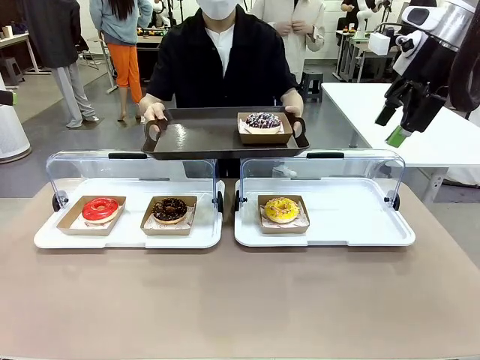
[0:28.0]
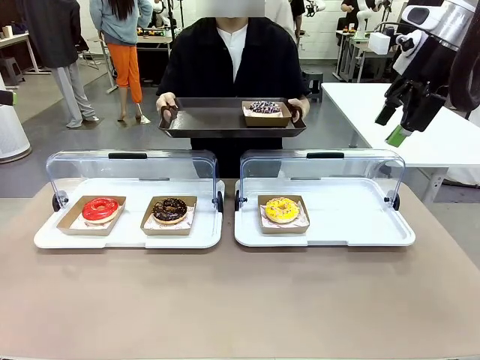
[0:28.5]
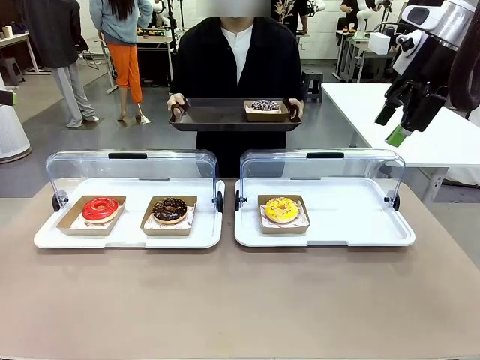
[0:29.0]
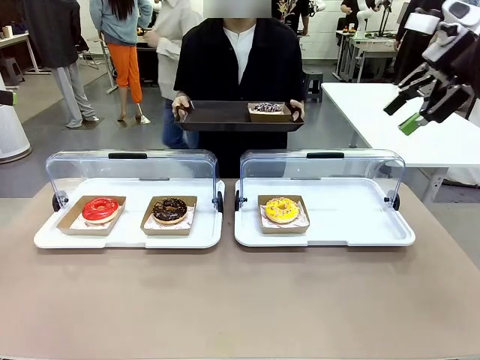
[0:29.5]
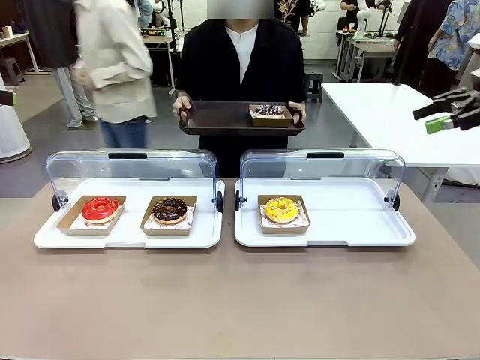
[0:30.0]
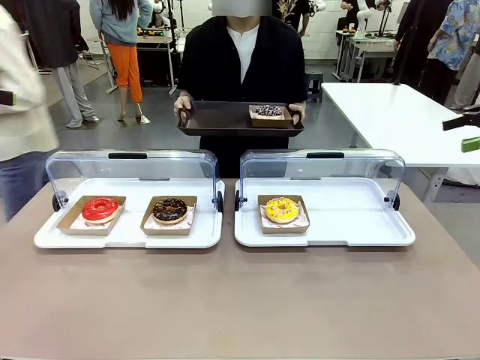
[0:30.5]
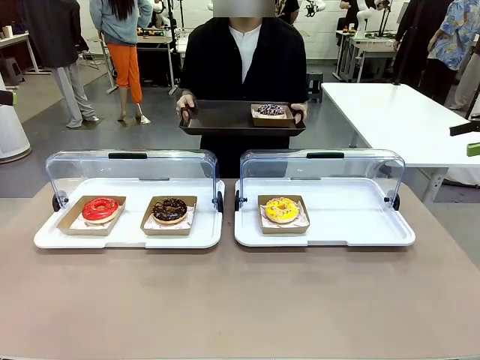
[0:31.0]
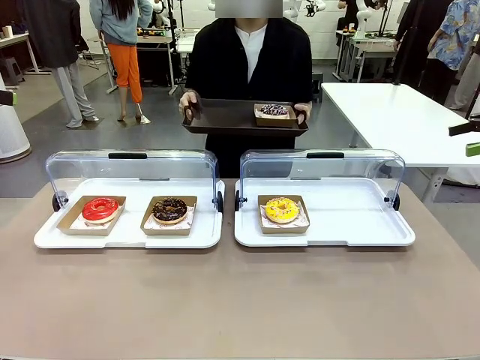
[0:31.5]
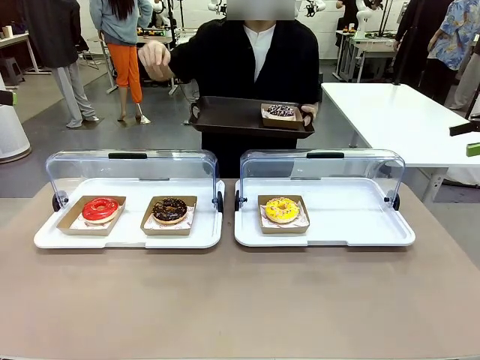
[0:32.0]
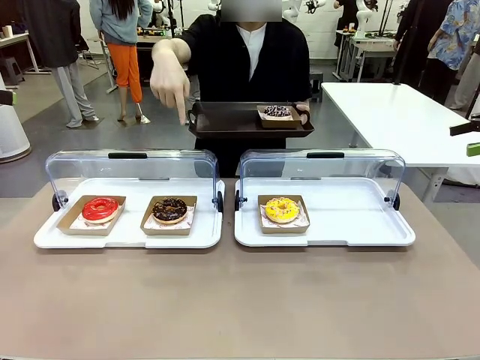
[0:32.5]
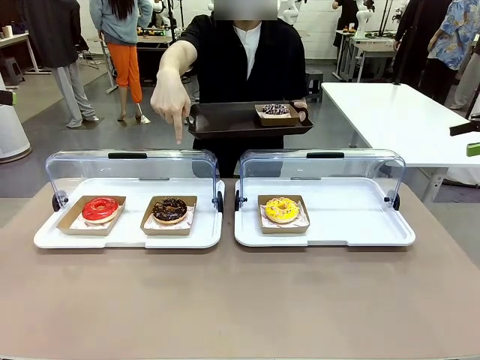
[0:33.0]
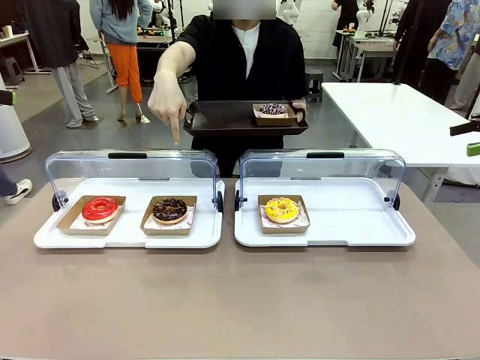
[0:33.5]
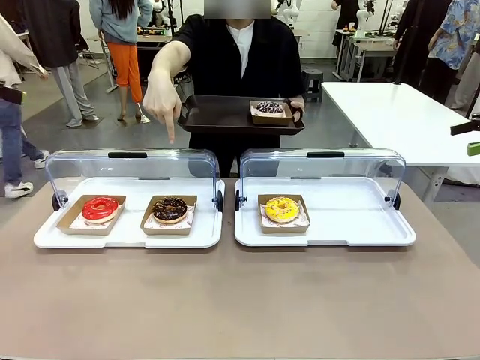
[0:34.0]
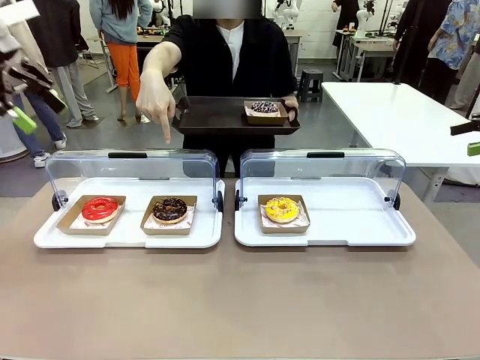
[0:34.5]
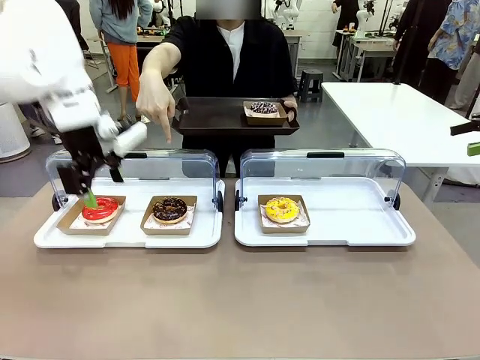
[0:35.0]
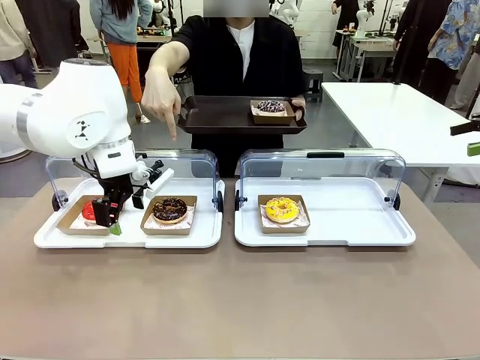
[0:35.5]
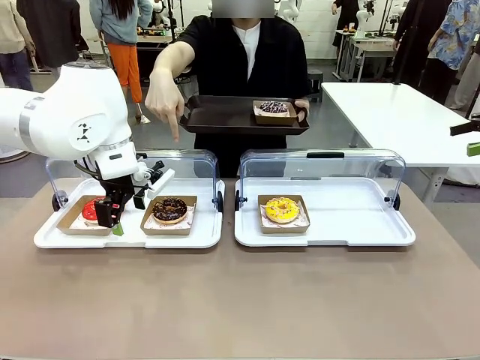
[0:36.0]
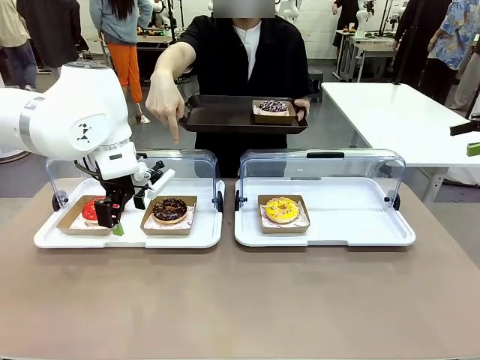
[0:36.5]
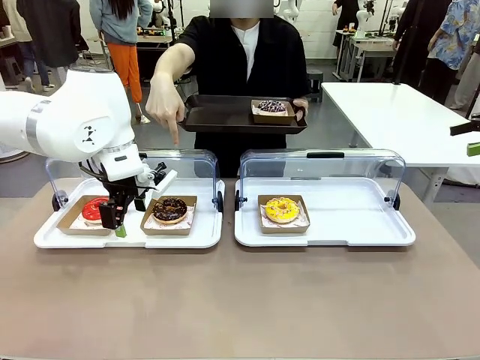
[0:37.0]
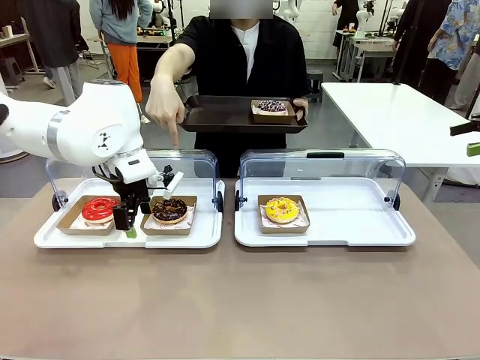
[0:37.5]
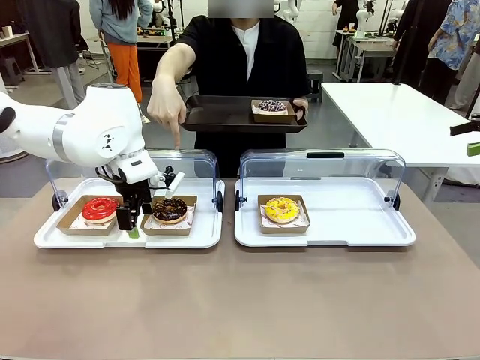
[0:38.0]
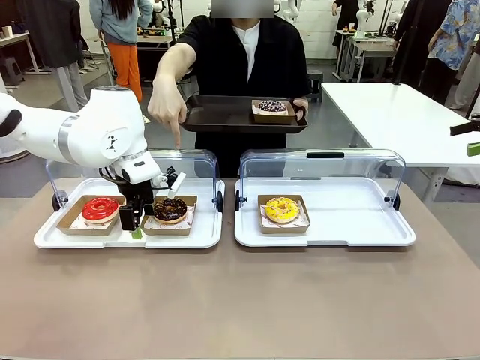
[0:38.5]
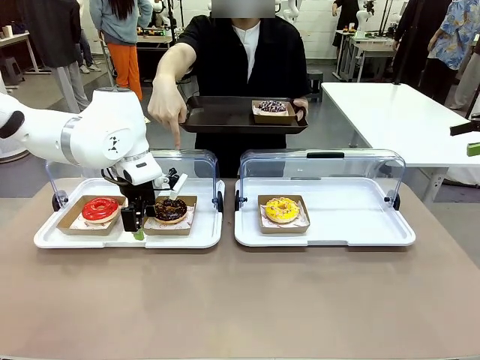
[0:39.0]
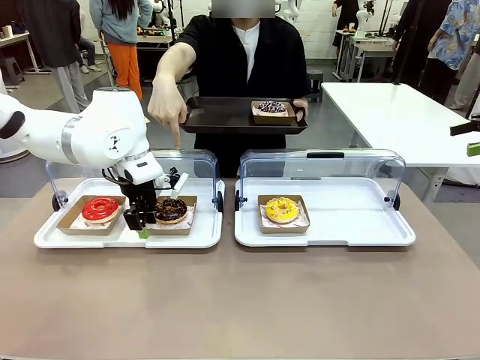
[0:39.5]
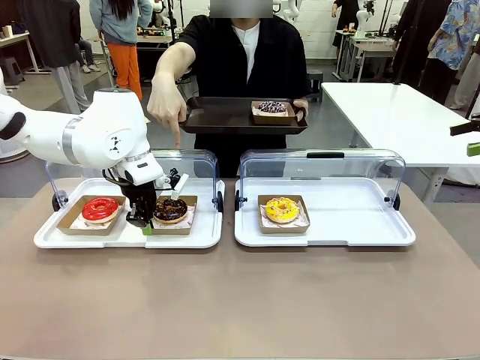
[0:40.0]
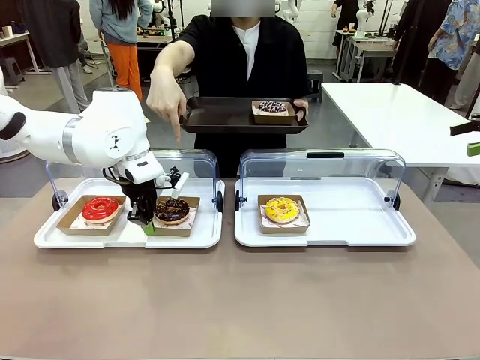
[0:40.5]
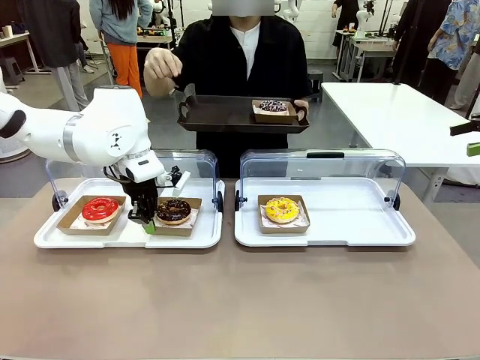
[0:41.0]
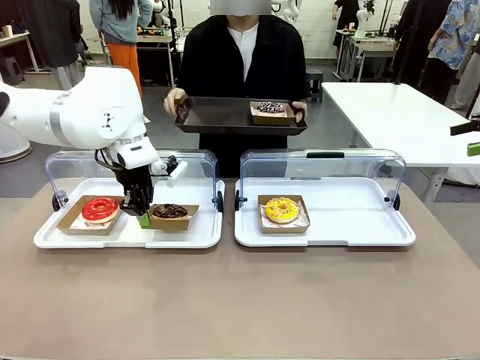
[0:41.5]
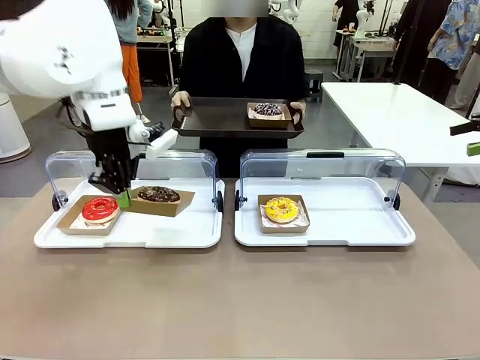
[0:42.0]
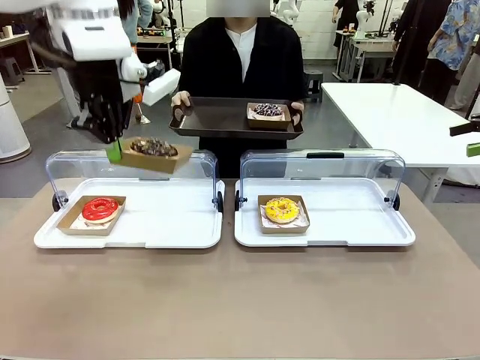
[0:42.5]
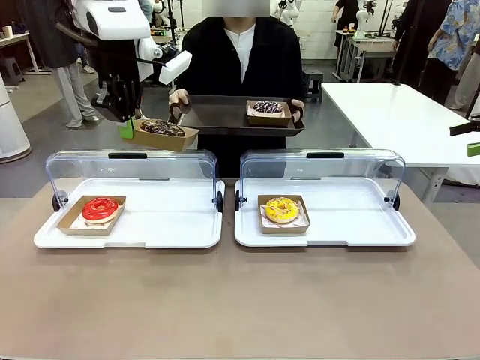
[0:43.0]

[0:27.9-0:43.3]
Task: Provide the desired donut to the person.
Robot: Pick up and lift the Paper togo box containing the Donut pointed at by the person.
Person: Point to one donut. Lift the tray onto the Roll-Top Bakery Case.

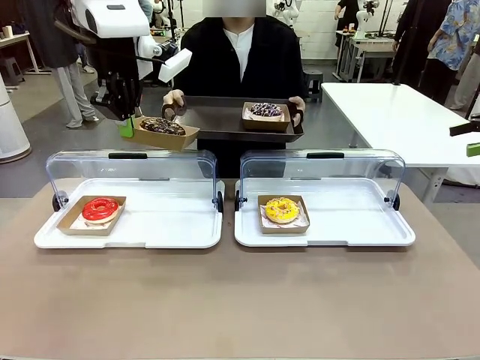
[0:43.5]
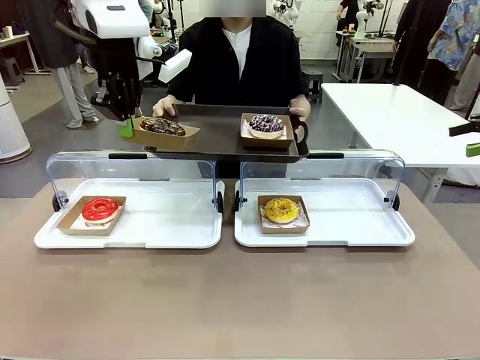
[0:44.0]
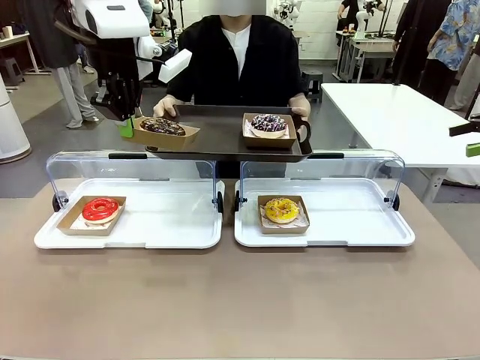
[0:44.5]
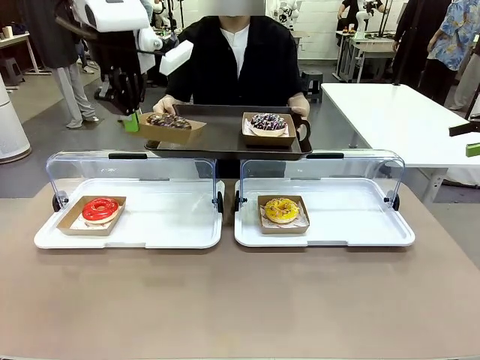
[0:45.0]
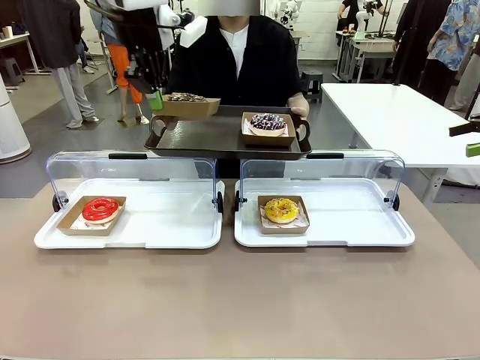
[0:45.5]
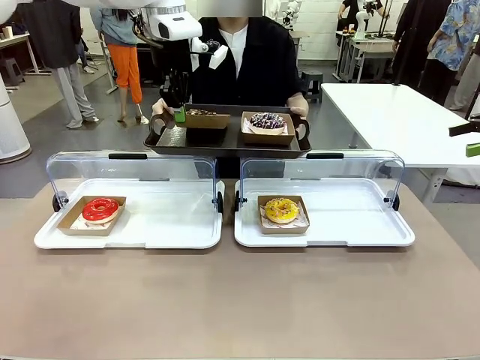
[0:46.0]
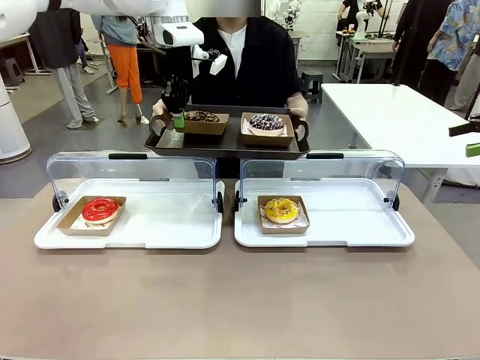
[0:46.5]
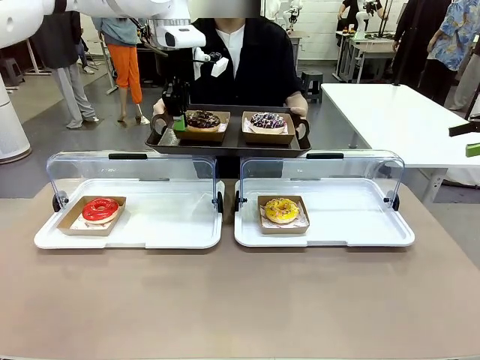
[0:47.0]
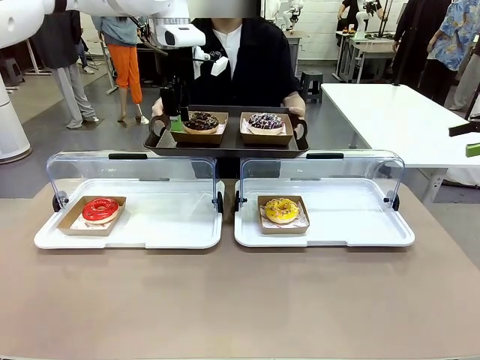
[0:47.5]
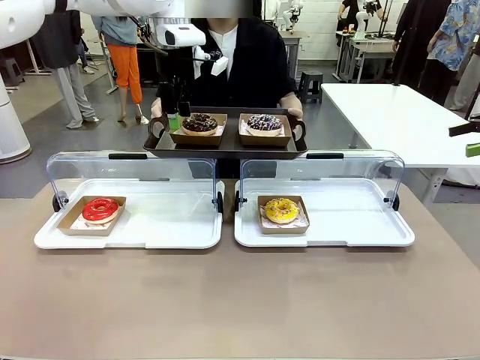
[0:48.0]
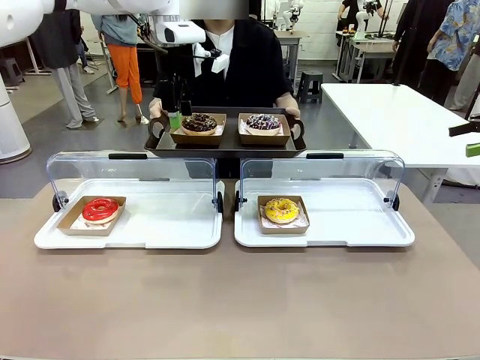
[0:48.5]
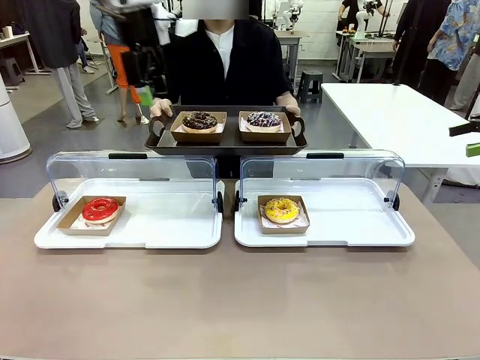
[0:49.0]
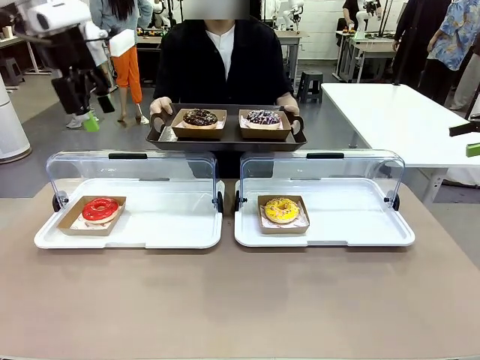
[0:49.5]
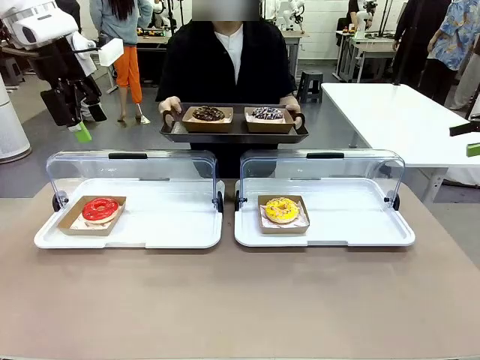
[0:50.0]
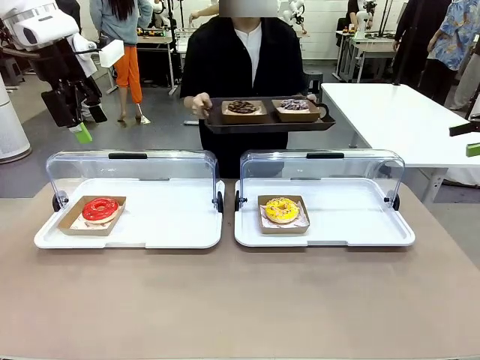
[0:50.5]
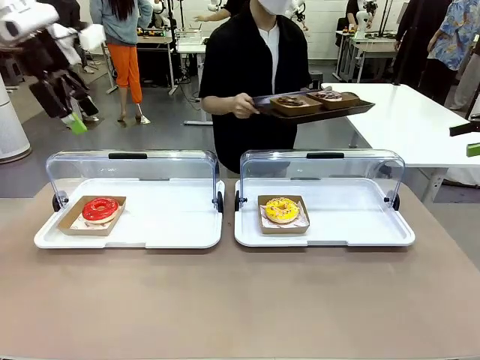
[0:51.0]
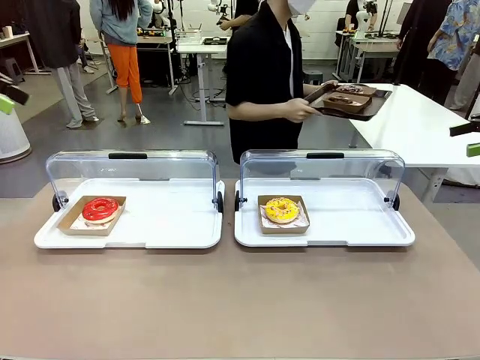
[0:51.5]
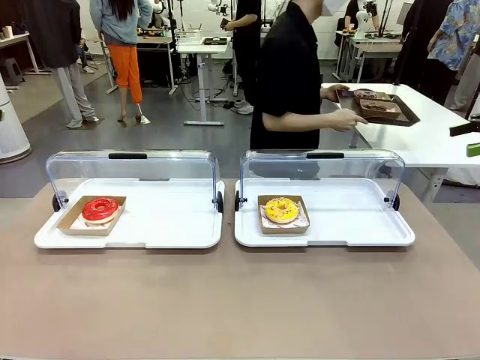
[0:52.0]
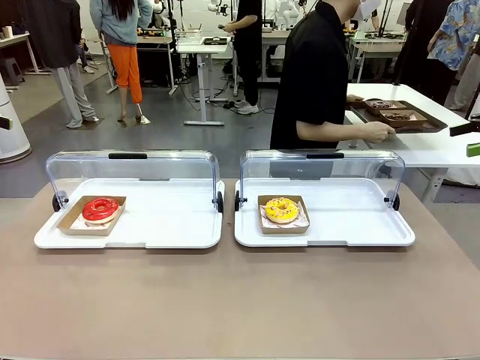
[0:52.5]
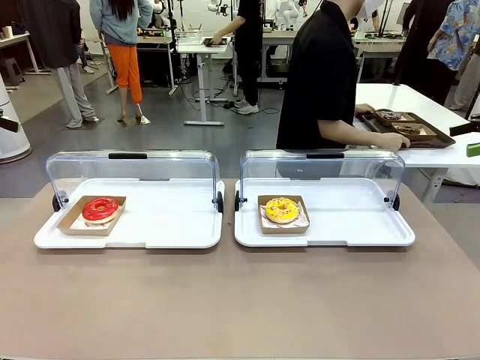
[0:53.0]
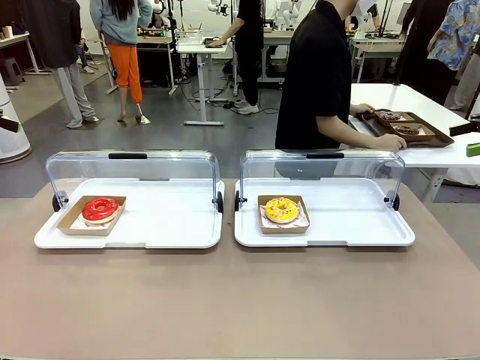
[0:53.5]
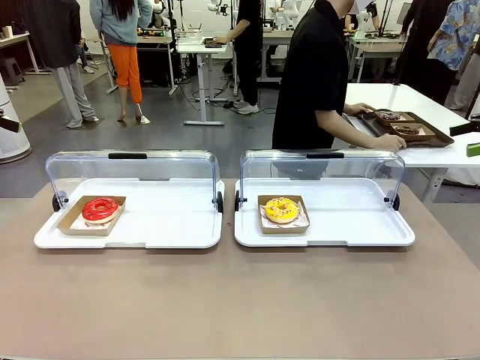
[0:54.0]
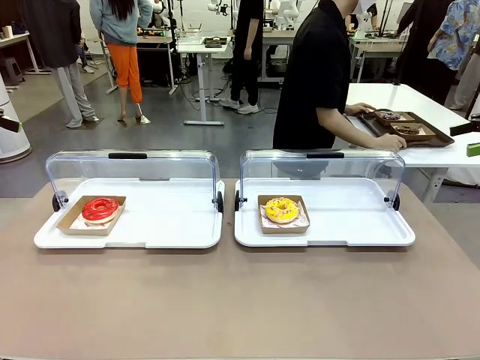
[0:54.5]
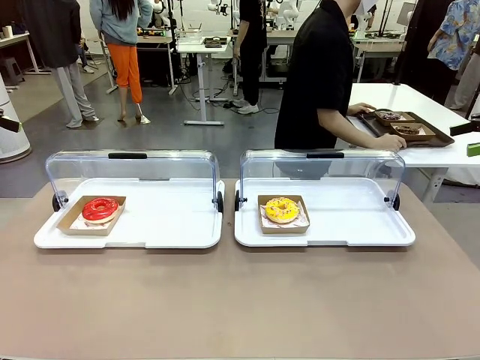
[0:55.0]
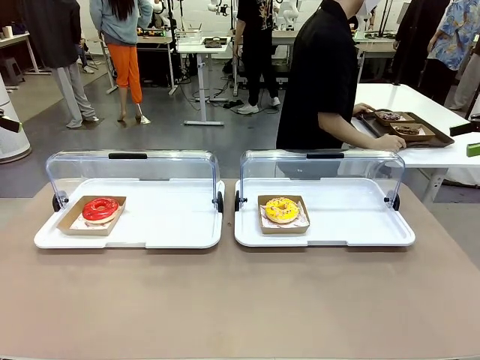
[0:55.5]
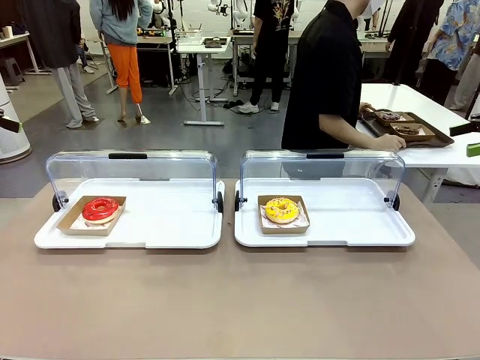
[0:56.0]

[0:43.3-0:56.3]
Robot: Place the picked Paper togo box onto the Handle tray extended by the person.
Person: Place the tray in the middle of the human table.
